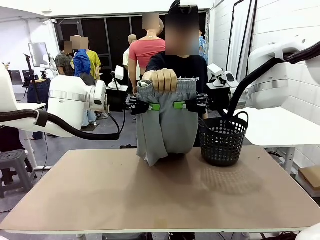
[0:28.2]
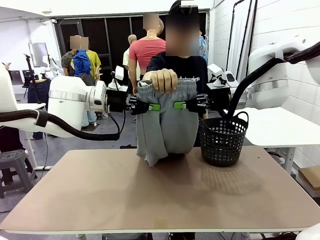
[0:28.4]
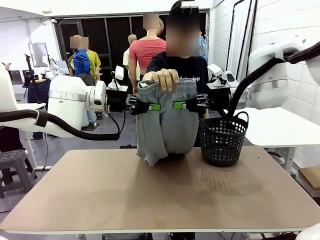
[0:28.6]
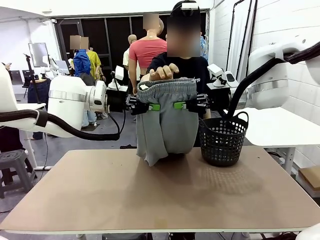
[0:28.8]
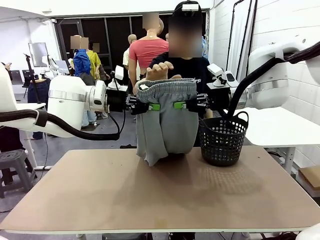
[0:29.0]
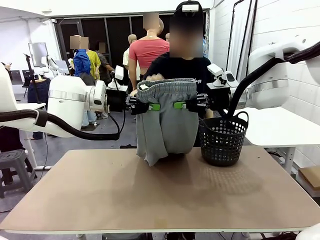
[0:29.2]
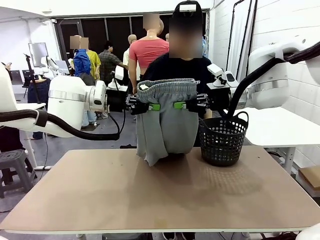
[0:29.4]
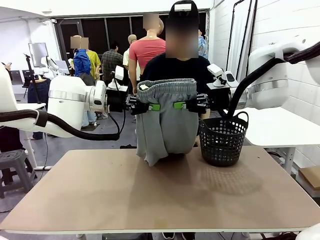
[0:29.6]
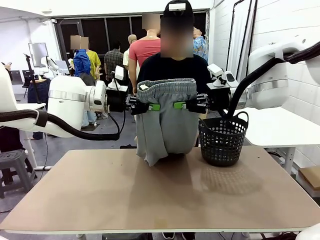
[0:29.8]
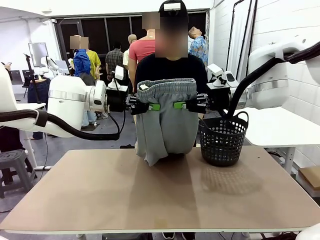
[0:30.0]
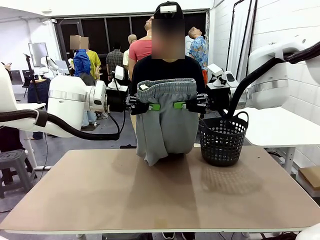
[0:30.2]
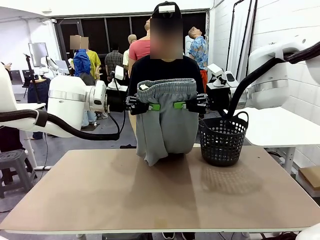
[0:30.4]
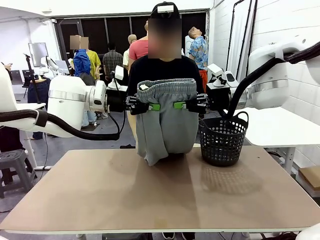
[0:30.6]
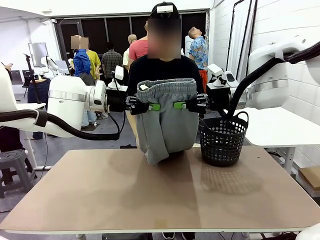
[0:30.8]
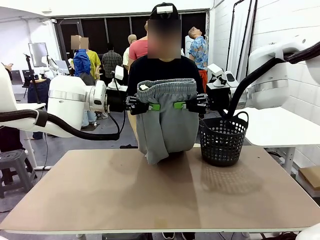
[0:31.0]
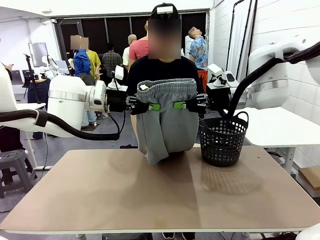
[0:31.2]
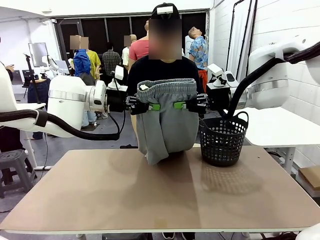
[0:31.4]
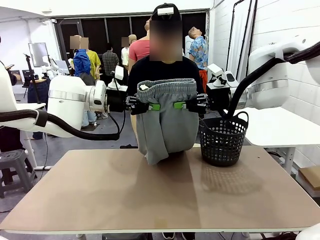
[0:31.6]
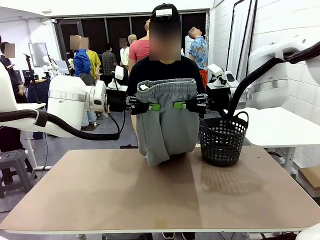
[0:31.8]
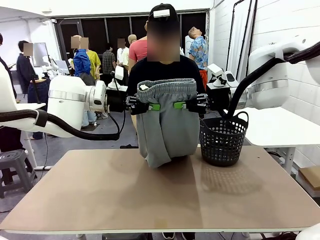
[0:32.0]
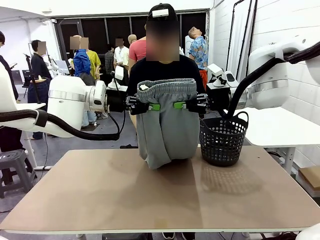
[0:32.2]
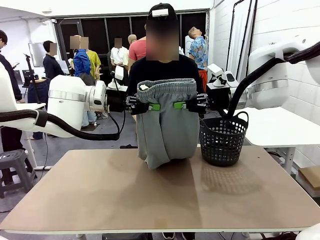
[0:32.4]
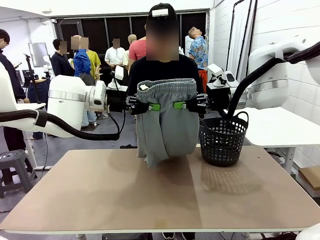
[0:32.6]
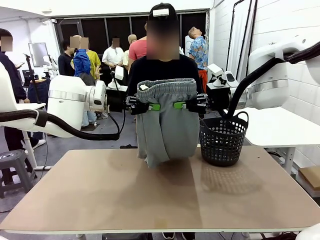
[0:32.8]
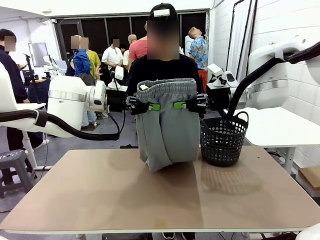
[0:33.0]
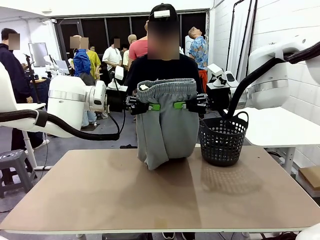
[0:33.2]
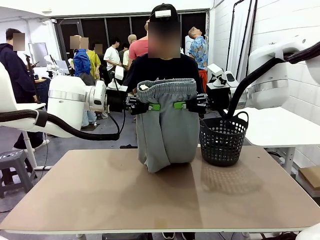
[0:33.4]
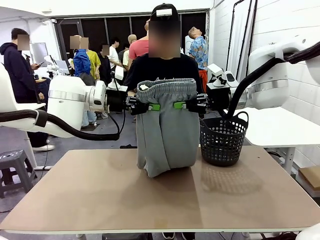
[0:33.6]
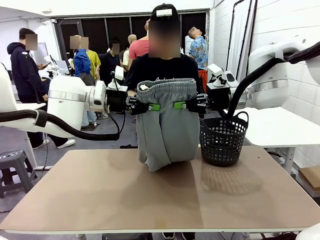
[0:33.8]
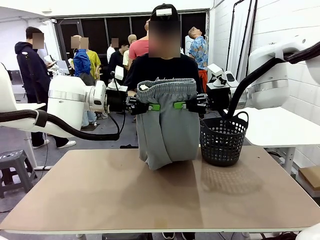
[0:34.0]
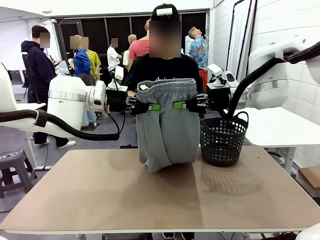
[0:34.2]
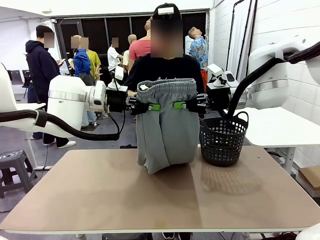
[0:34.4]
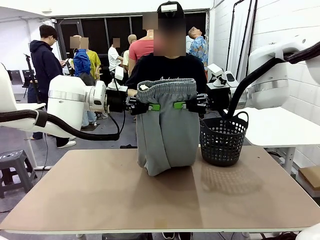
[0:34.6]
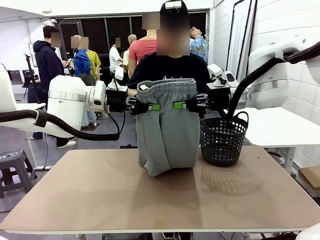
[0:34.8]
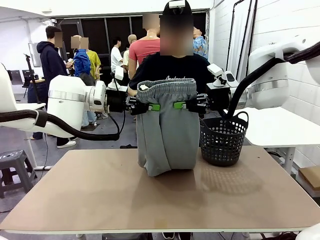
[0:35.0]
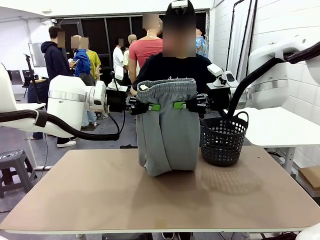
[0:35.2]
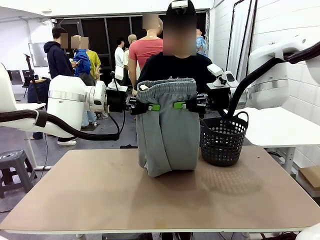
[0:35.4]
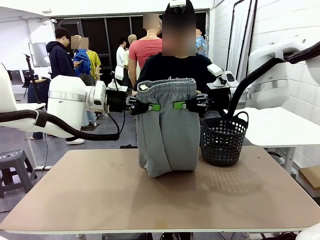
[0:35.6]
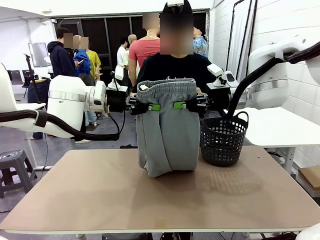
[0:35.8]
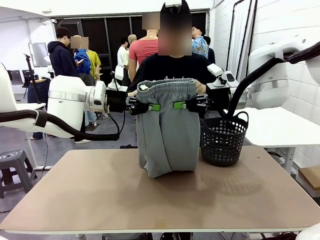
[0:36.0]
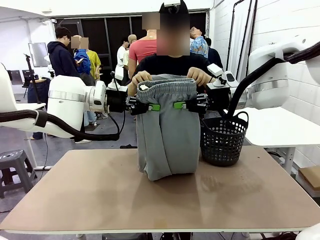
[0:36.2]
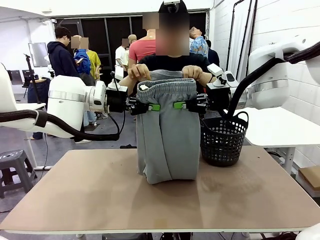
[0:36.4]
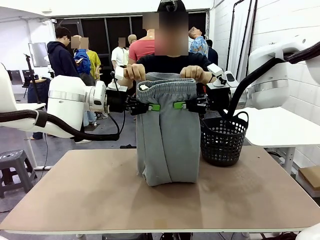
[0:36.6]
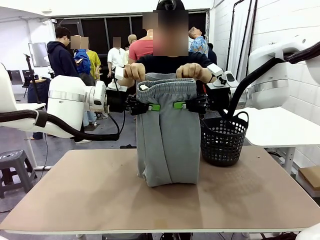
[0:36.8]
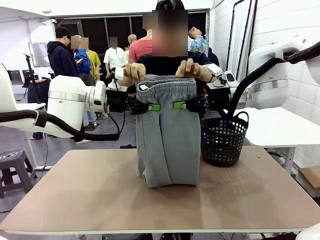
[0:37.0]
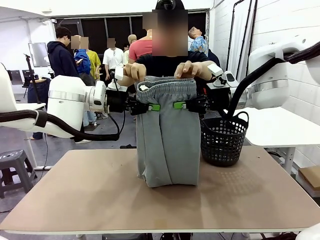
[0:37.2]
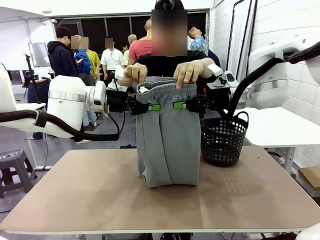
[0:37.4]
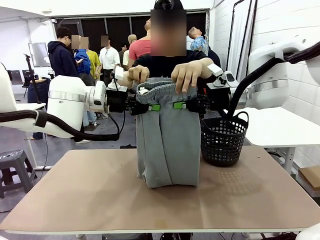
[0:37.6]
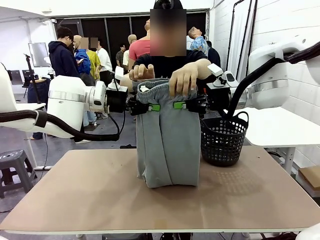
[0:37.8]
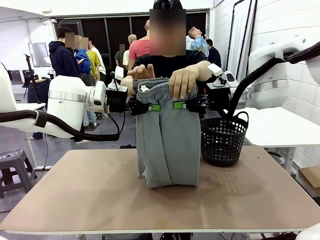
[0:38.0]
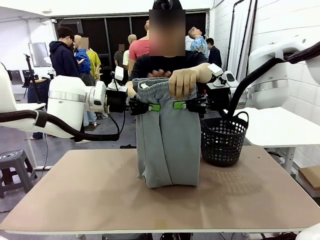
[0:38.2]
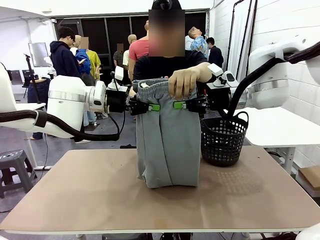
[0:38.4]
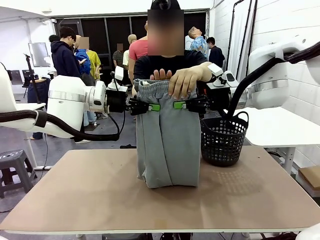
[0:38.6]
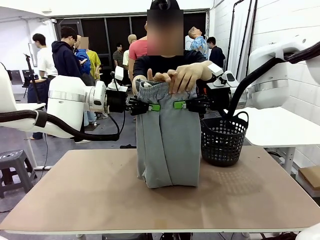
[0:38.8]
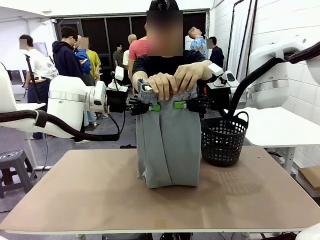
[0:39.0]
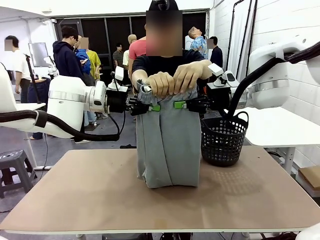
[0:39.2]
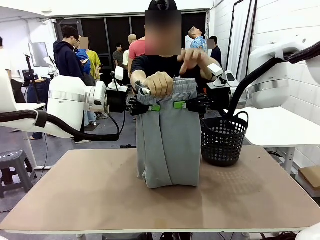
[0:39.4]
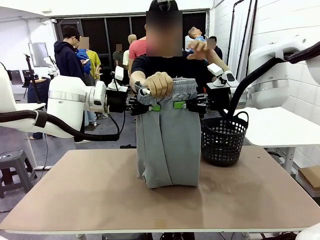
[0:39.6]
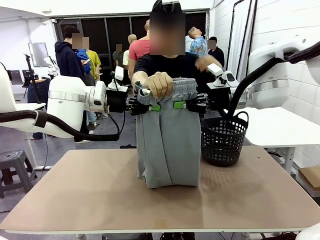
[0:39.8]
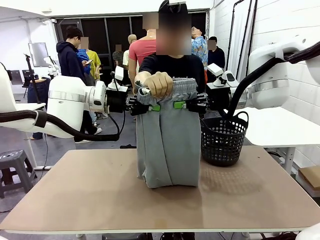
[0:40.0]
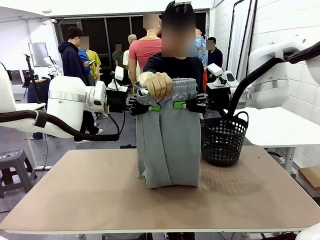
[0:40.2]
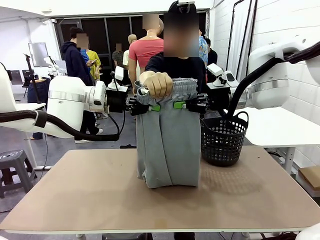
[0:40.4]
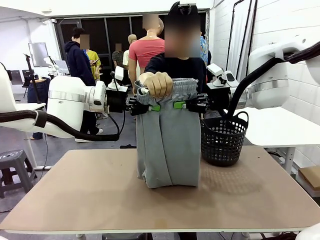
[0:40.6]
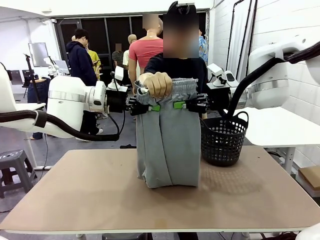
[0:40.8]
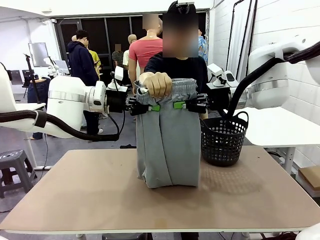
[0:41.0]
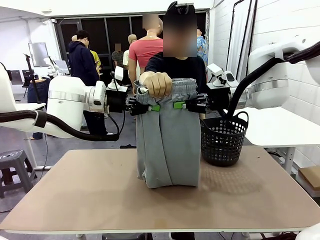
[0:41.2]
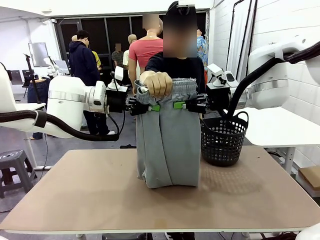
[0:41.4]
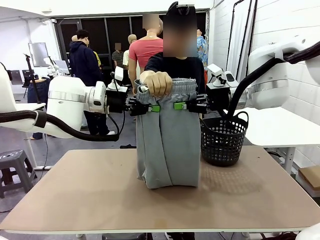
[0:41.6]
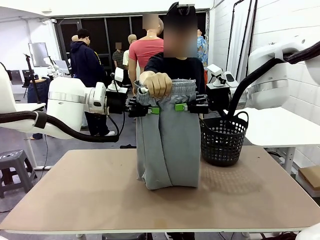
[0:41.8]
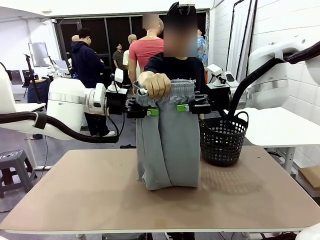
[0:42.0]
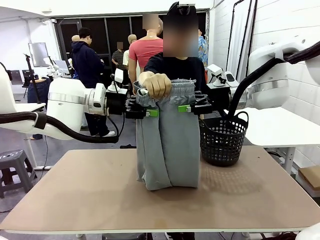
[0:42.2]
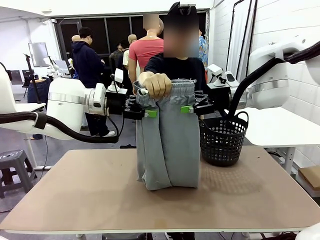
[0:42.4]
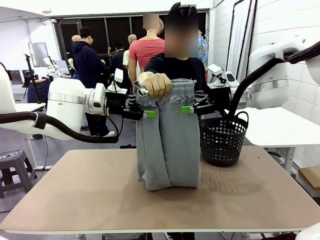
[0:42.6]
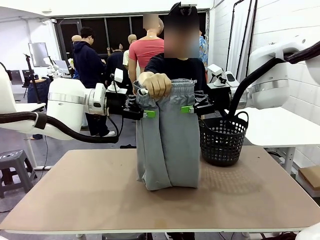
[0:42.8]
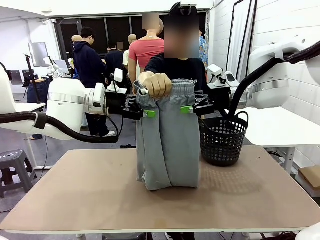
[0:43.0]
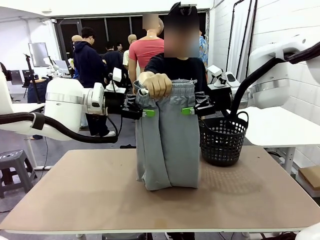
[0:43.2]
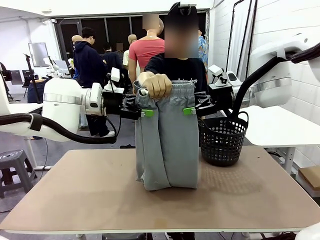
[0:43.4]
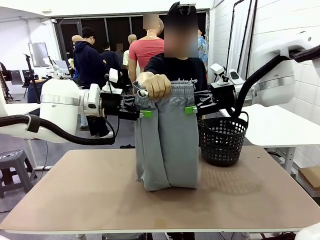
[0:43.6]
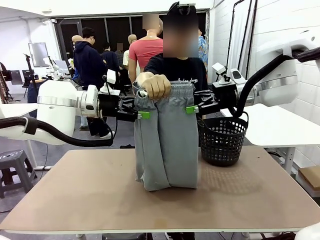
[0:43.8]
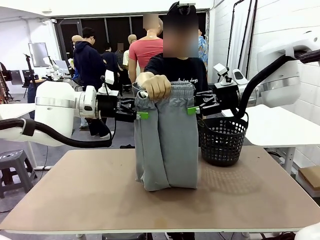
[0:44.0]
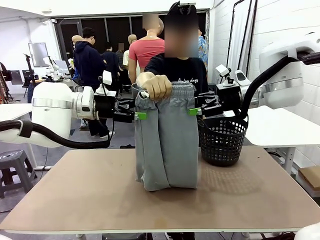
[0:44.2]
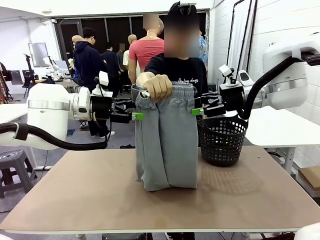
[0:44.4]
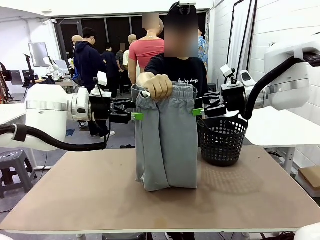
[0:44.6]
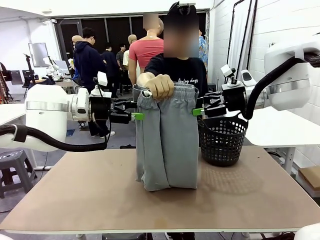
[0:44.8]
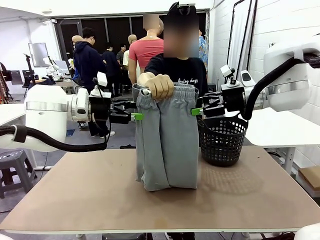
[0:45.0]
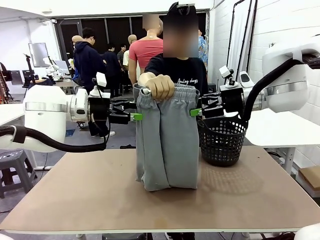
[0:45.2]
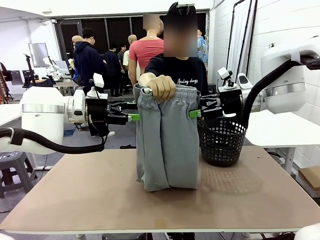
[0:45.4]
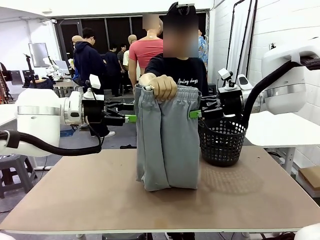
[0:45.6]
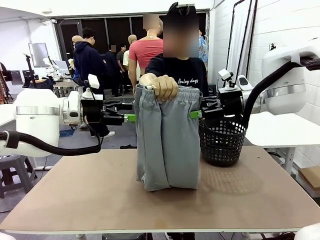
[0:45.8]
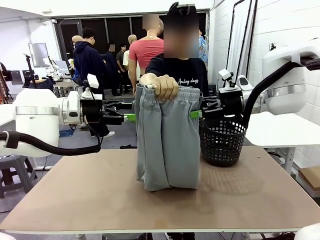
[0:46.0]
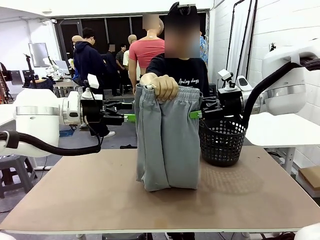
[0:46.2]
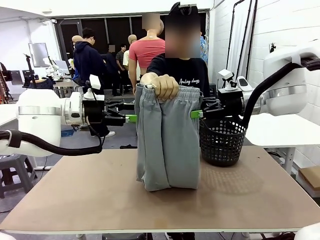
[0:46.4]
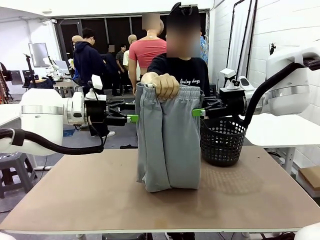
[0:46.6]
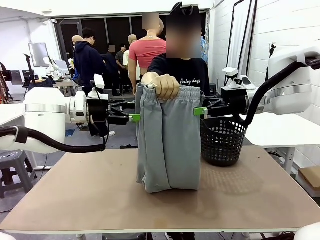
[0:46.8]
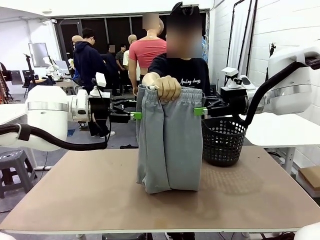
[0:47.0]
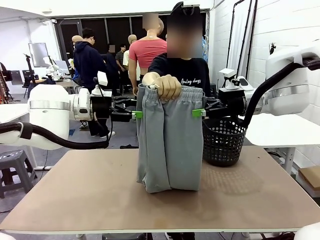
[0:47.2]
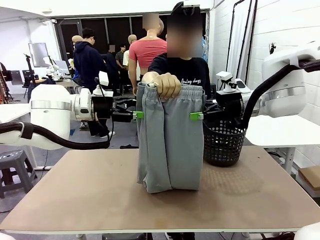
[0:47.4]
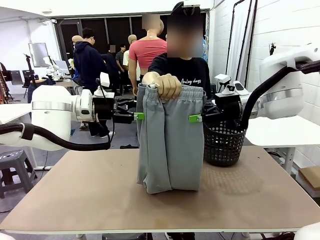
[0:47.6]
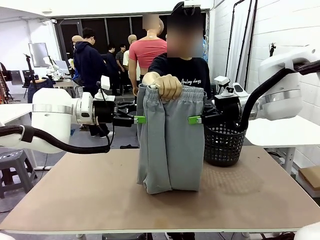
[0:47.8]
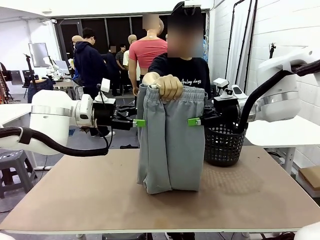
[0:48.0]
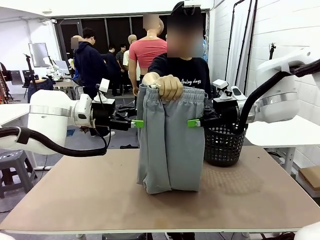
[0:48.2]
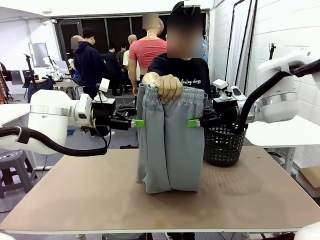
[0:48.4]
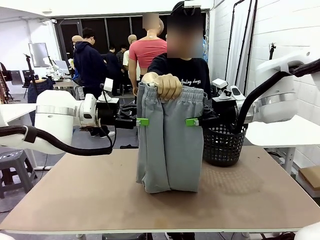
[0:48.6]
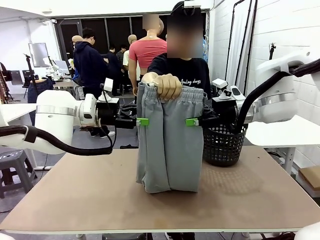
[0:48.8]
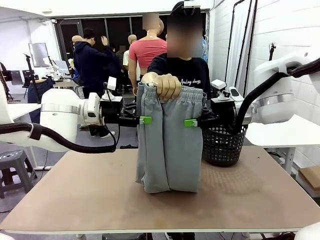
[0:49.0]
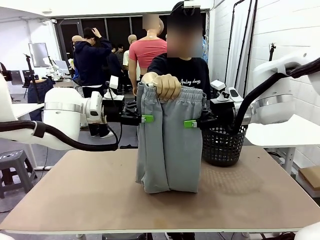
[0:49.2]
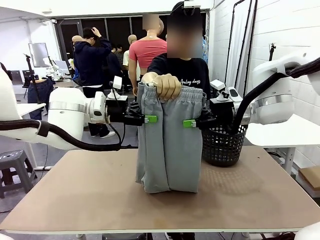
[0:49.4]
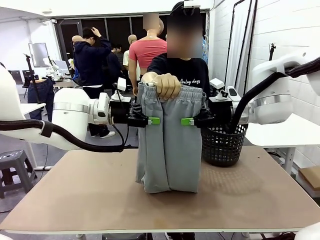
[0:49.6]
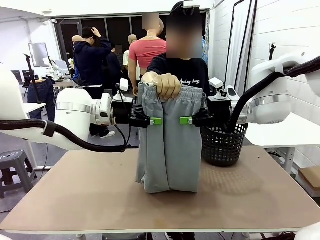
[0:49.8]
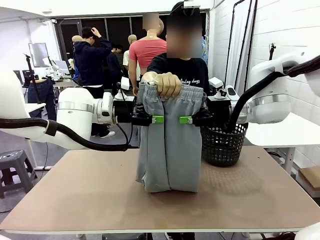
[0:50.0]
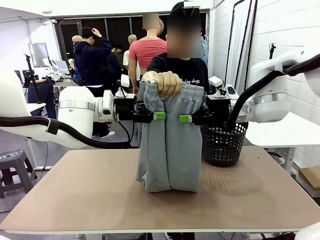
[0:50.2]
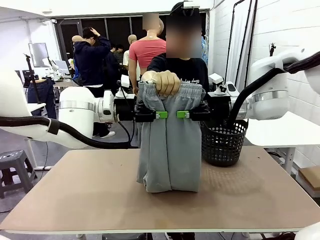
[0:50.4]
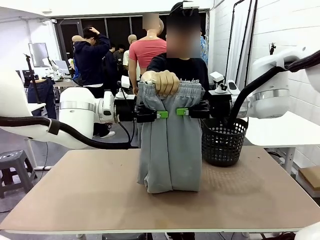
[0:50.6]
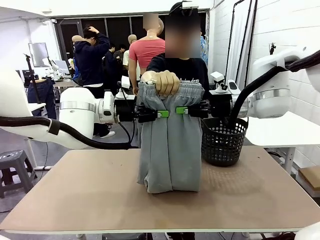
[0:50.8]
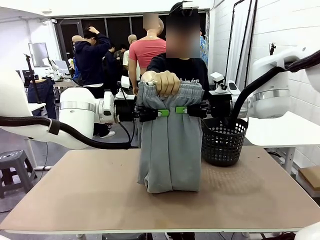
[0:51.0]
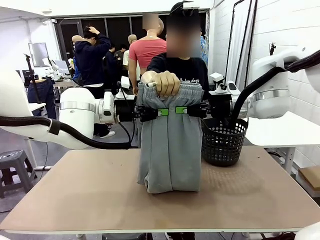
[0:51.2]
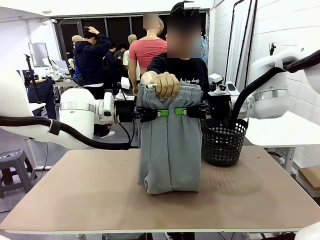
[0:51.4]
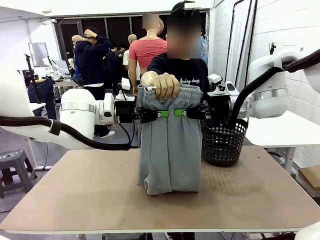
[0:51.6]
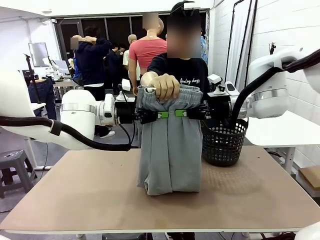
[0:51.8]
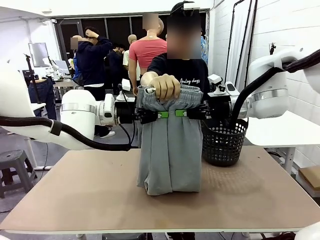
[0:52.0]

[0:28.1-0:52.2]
Task: Fold the training pants.
Robot: Release the ends of the Training pants and then grab the overlapped ends.
Person: Grasp the end opposite the point the robot is holding, fold the pants in half, and then grasp the overlapping top end of the folded pants. Release the pants you were holding.
